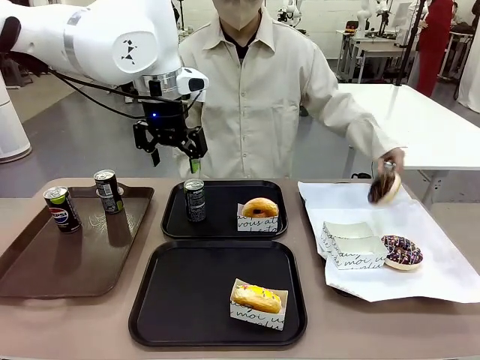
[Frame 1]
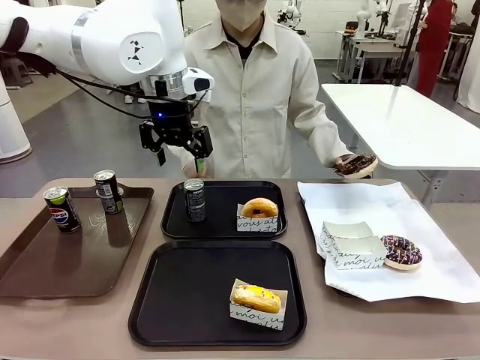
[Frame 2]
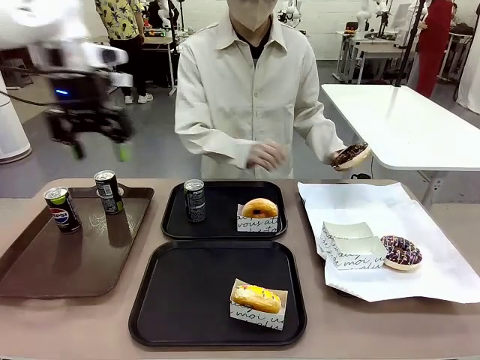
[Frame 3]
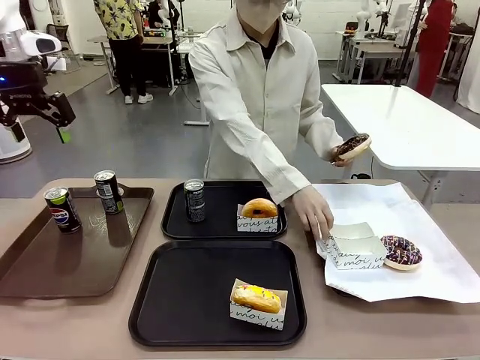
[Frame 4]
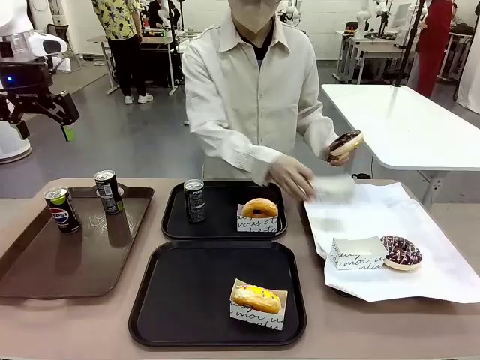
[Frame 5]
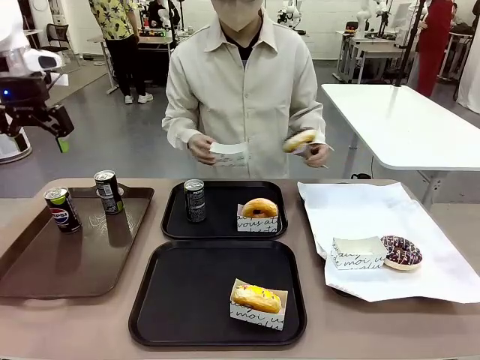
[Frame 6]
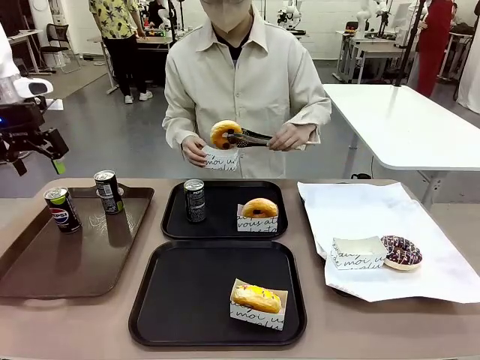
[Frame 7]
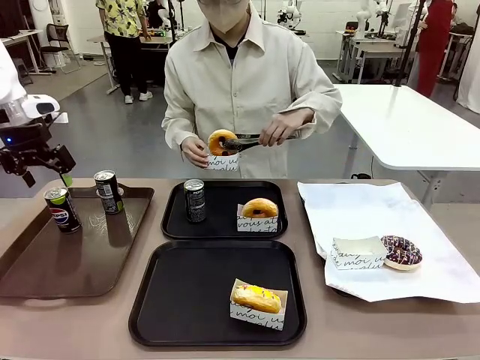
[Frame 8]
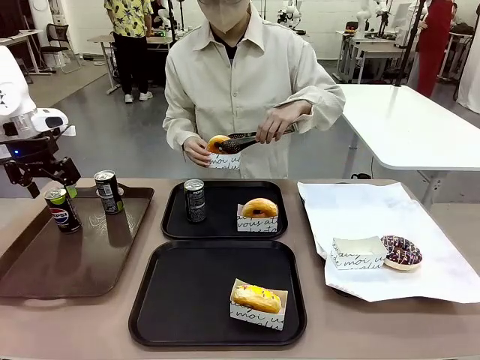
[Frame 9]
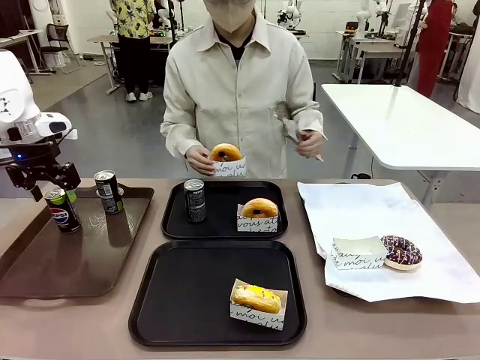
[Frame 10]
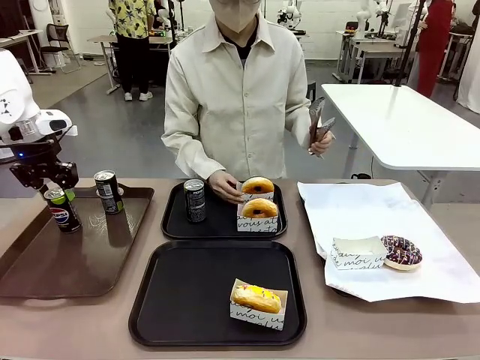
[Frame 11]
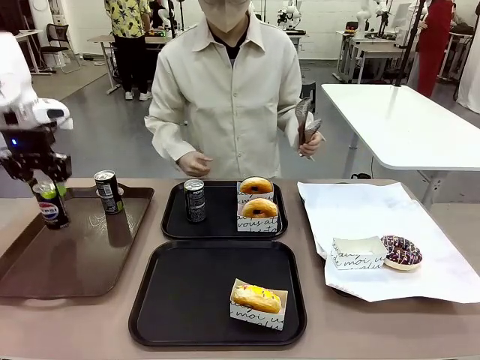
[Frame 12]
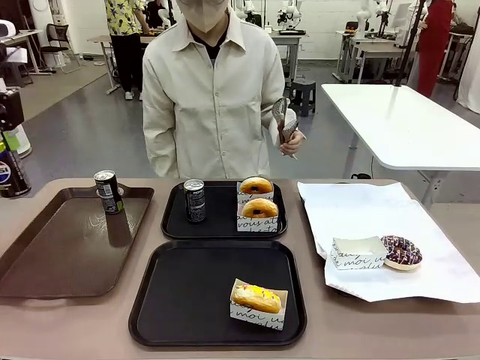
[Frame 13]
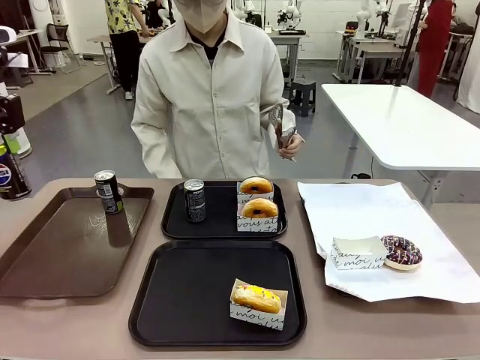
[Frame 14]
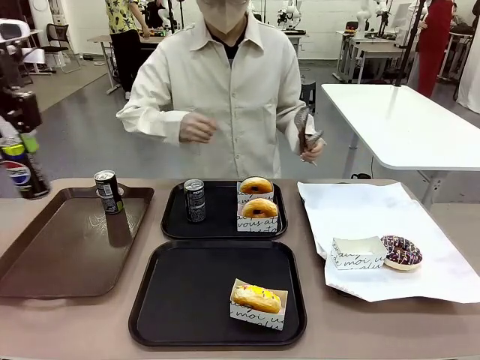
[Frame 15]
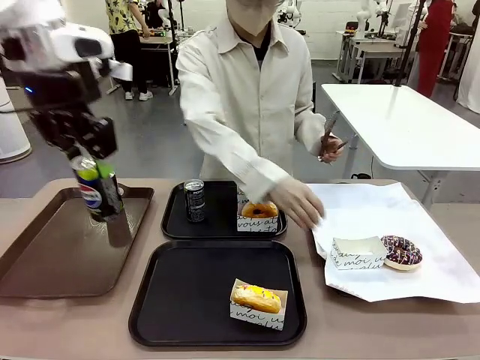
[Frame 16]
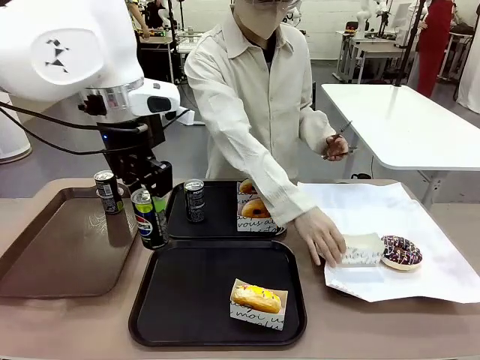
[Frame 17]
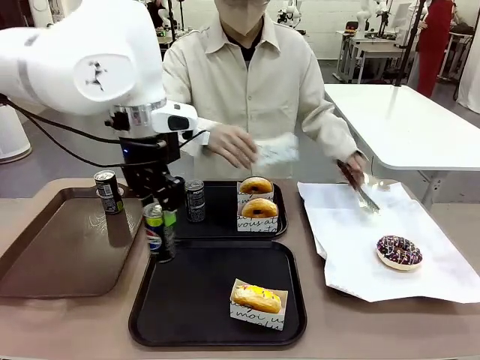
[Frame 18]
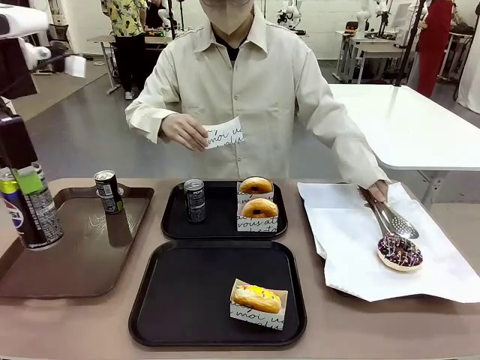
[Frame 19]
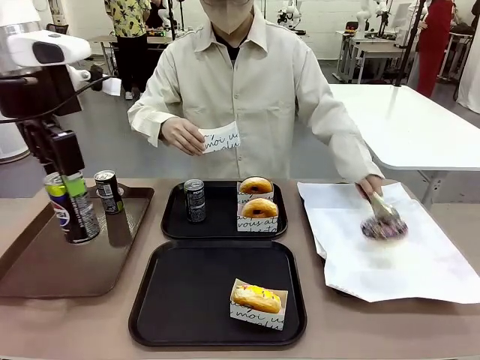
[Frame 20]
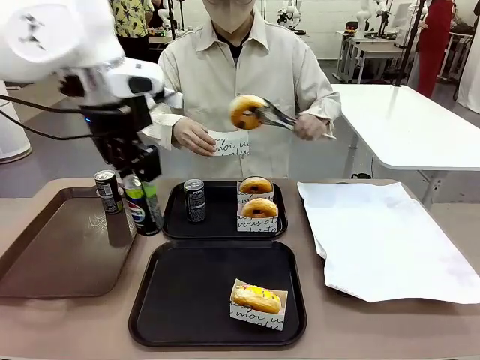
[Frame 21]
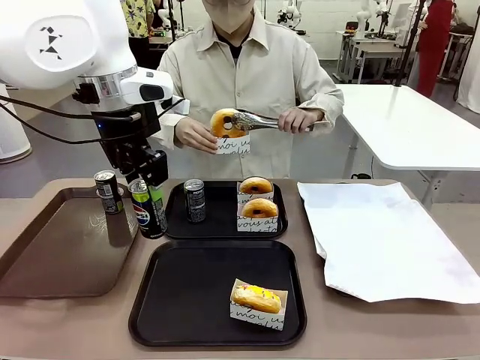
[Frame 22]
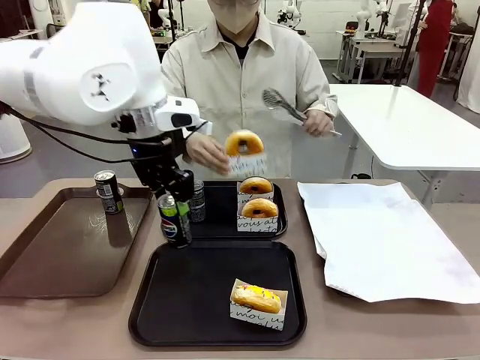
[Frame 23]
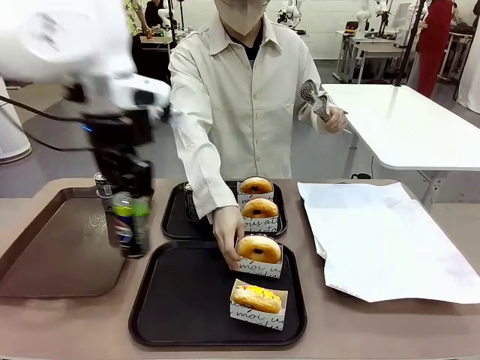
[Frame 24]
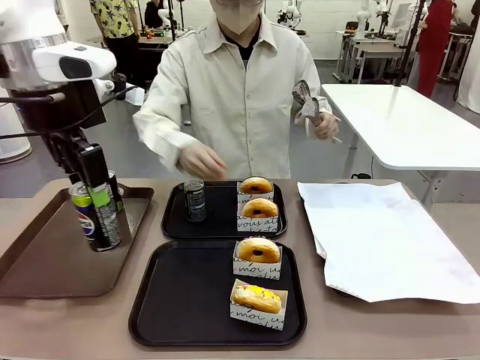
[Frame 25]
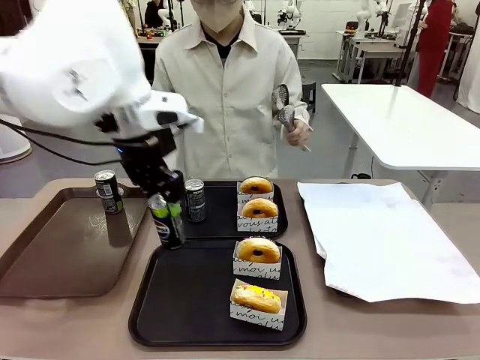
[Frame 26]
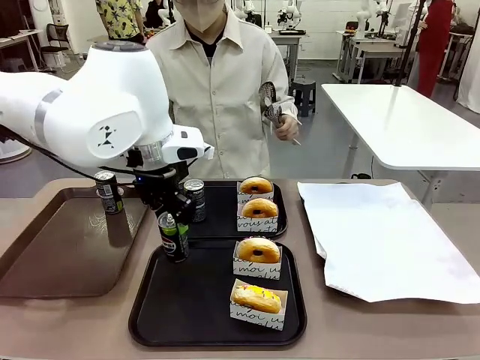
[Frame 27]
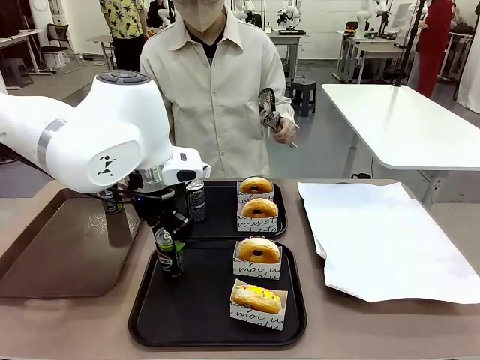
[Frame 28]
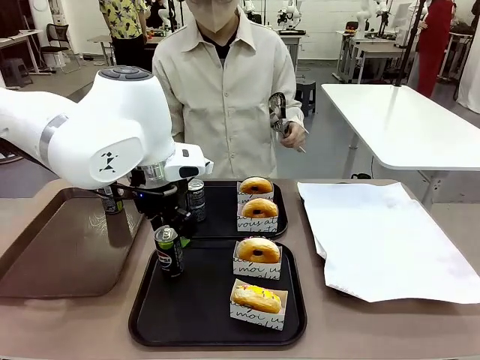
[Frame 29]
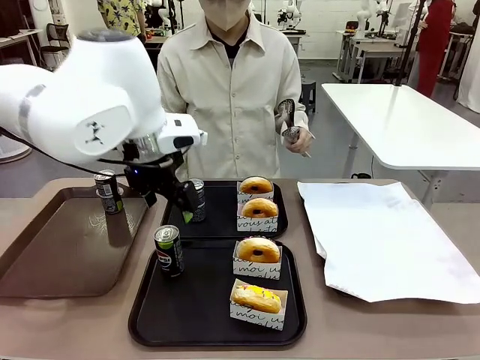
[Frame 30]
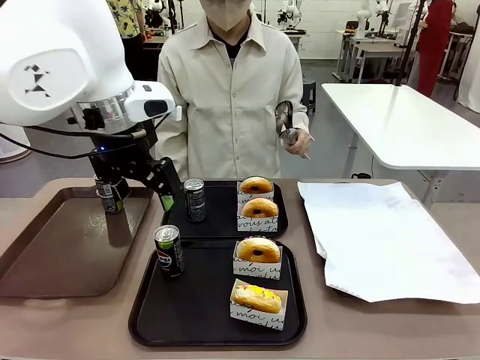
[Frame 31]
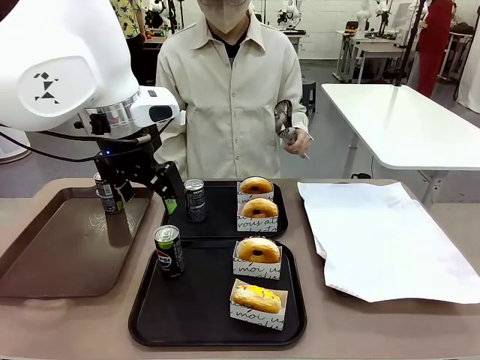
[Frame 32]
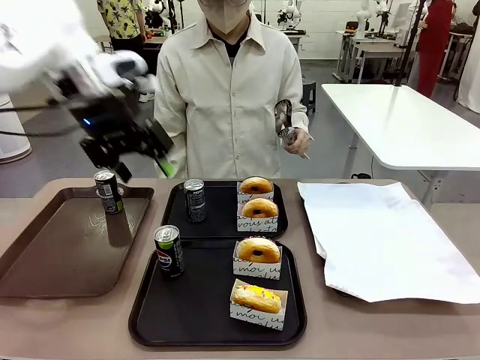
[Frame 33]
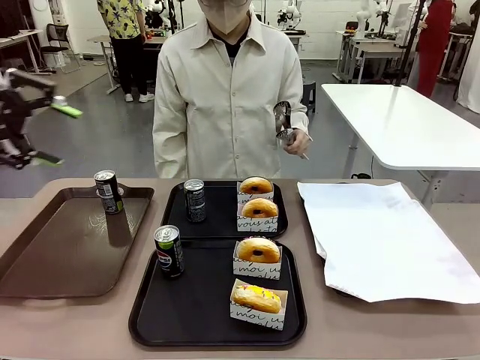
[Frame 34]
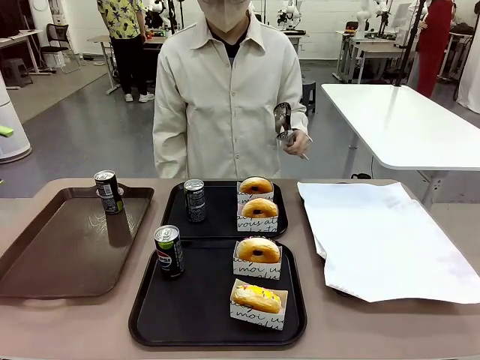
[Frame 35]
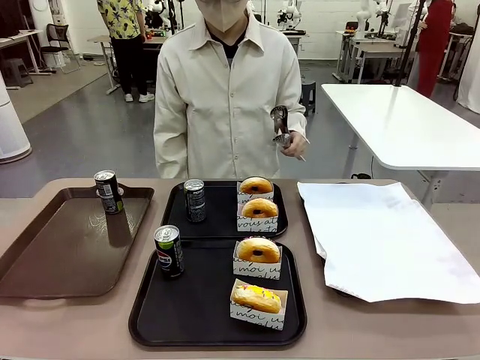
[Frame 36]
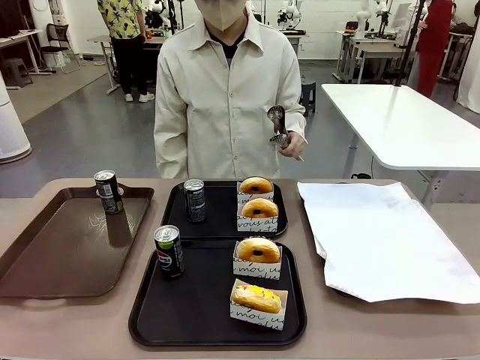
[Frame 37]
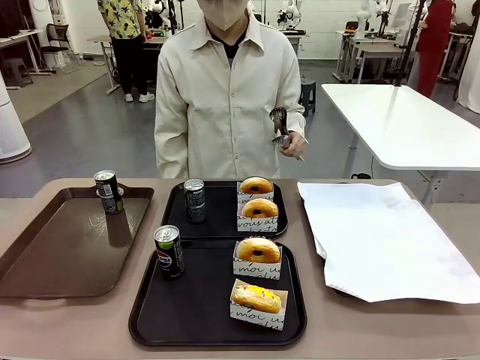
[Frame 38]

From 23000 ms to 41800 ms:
Task: Set up donuts and drinks on trays.
Robot: Pick up one Pepsi coke from the Handle tray and place it on the Flat Tray without a Pepsi coke.

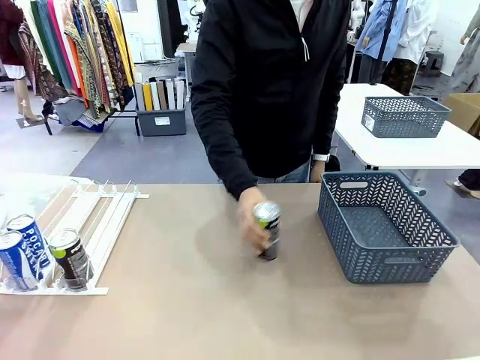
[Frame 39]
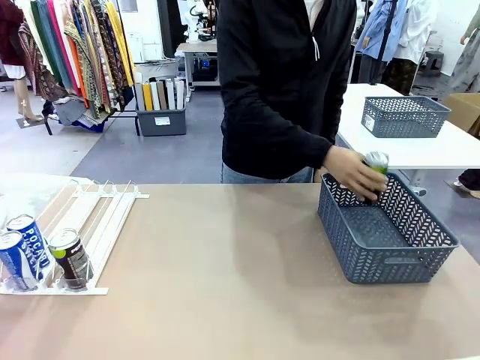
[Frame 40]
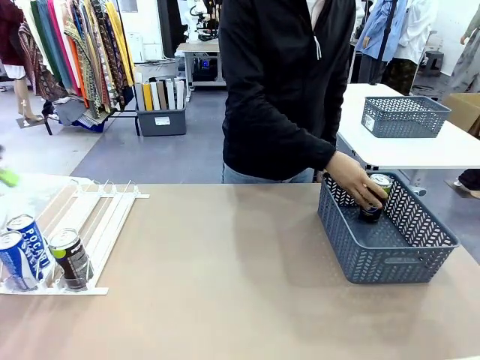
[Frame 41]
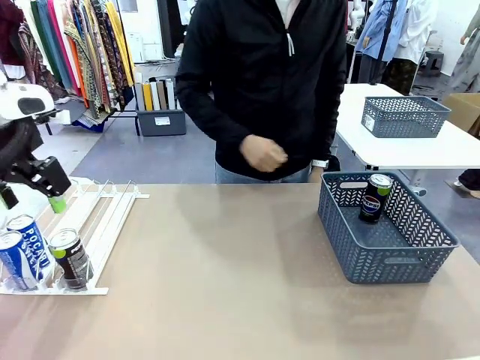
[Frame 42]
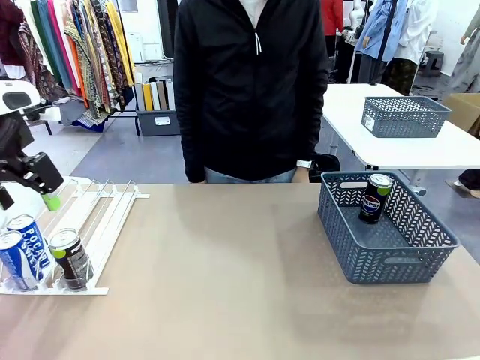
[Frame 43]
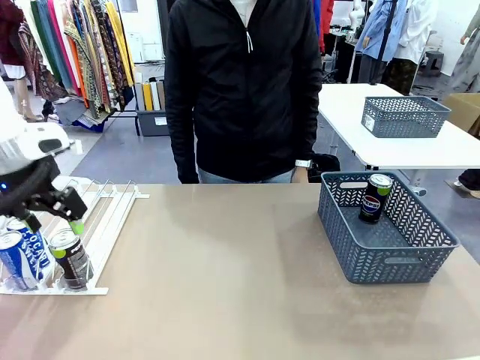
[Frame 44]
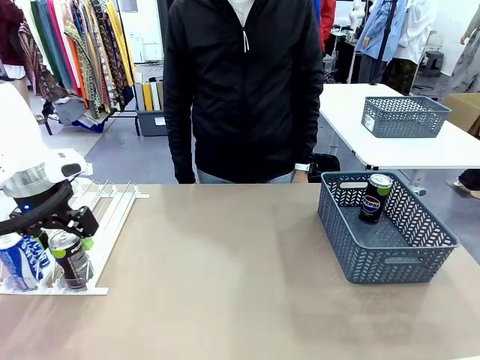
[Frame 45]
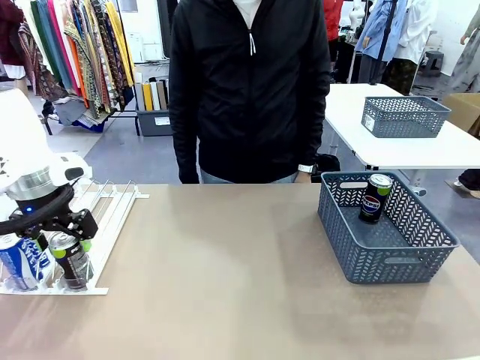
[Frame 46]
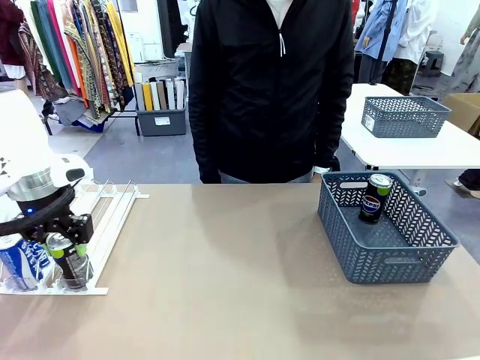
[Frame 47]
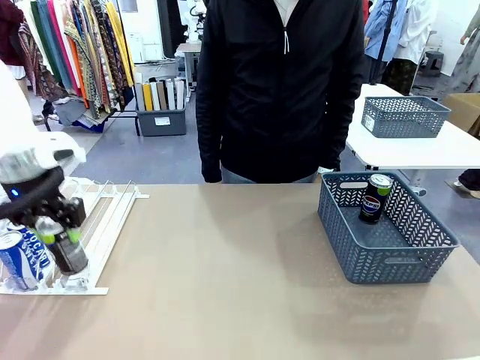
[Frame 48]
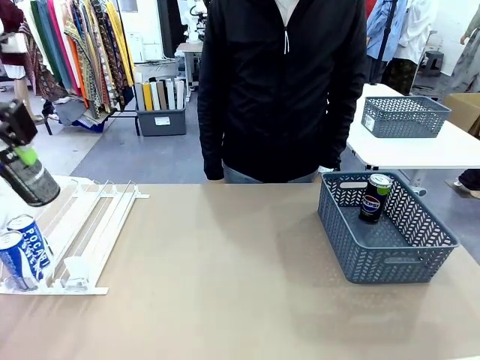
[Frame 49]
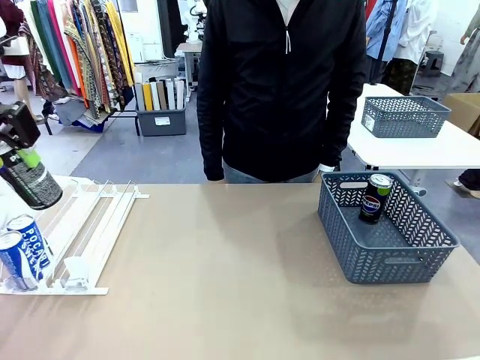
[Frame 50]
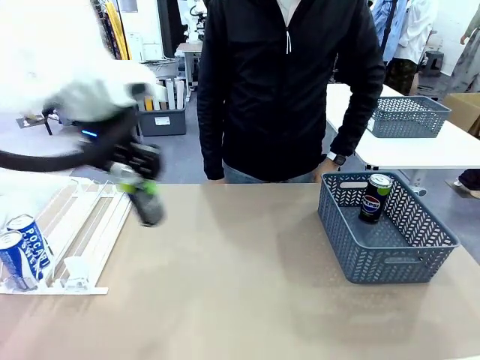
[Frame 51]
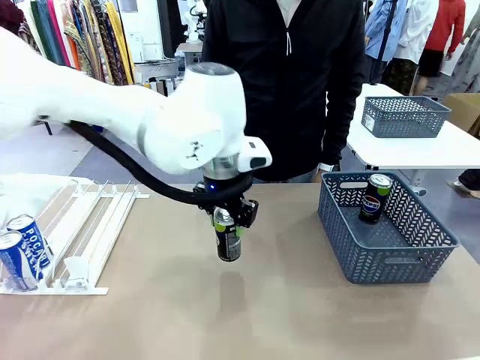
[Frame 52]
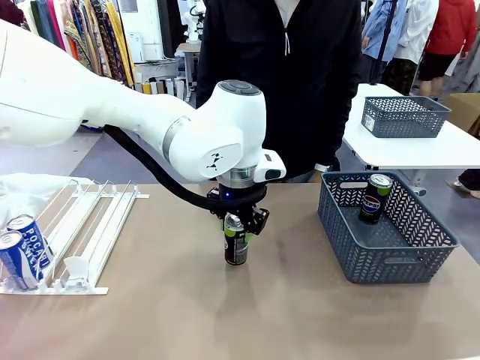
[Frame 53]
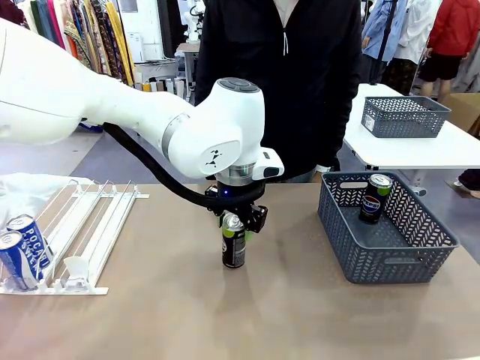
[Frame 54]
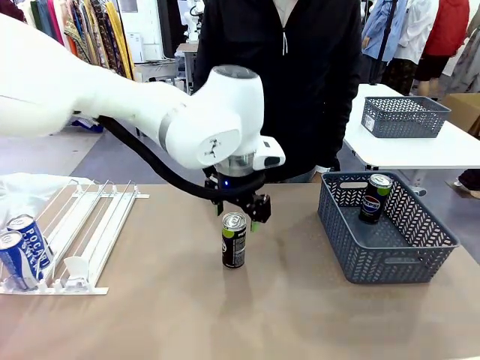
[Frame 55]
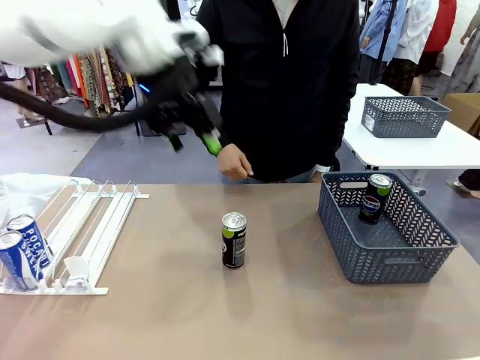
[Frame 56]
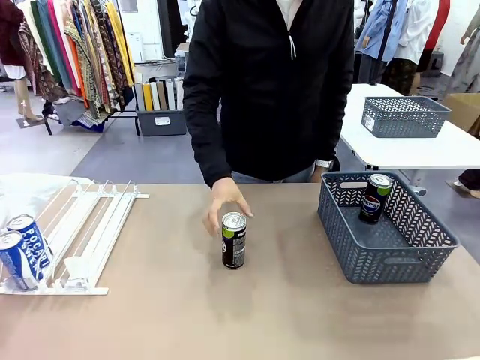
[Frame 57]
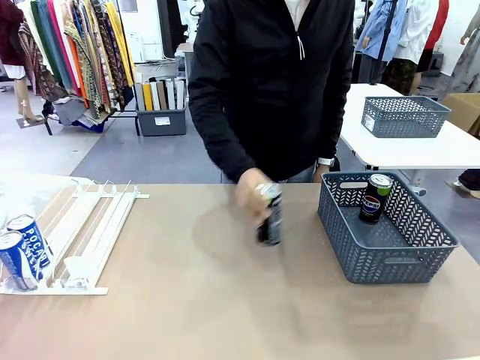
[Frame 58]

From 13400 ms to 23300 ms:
Task: Retrieve and store the cans from the dispenser.
Robot: Pick up the last remaining can from one row of the Automatic Can Dispenser and place it in the middle of the table.
Person: Pick up one Pepsi can from the middle of the robot table and place it in the basket.
